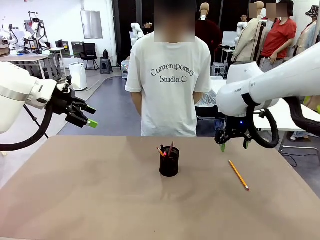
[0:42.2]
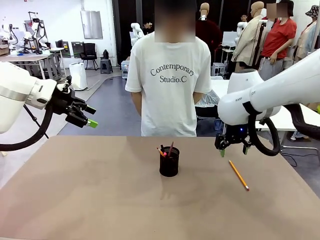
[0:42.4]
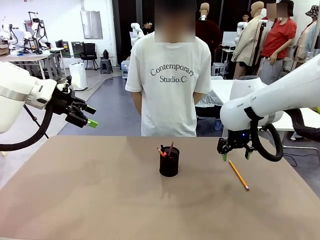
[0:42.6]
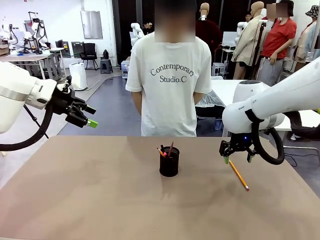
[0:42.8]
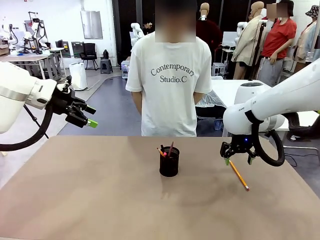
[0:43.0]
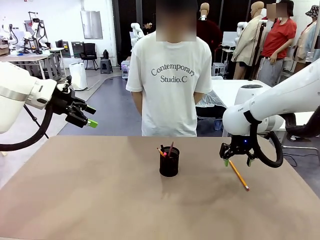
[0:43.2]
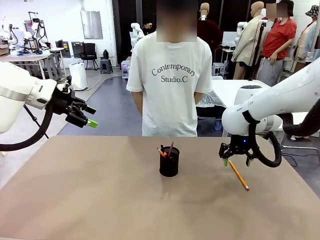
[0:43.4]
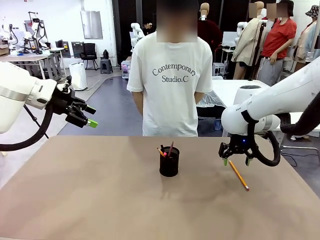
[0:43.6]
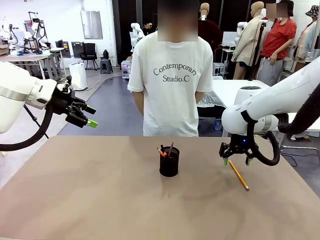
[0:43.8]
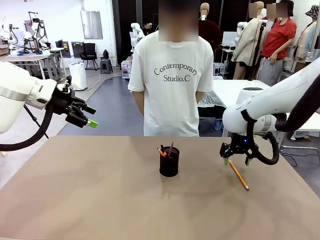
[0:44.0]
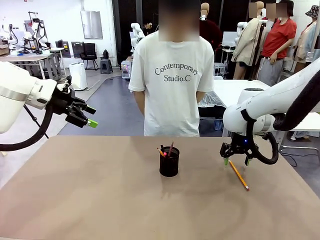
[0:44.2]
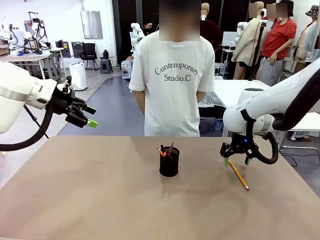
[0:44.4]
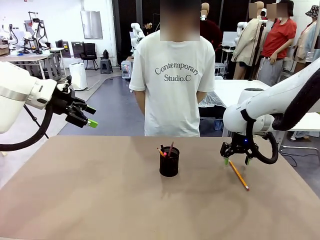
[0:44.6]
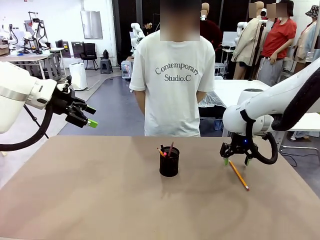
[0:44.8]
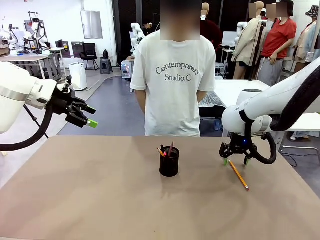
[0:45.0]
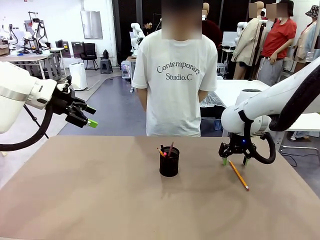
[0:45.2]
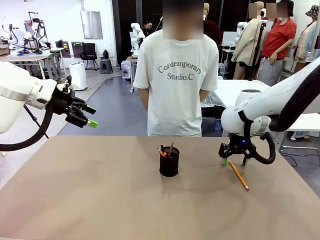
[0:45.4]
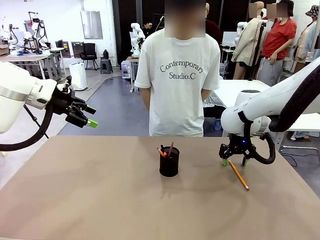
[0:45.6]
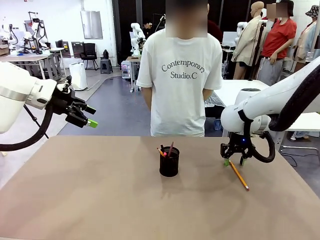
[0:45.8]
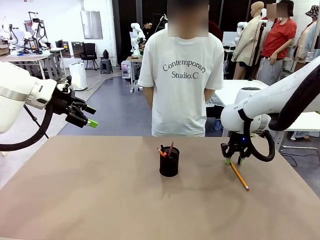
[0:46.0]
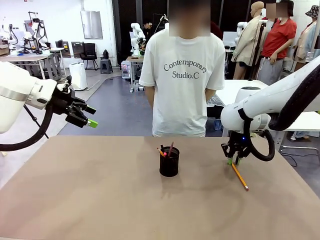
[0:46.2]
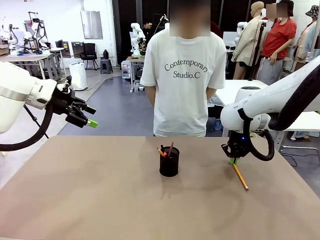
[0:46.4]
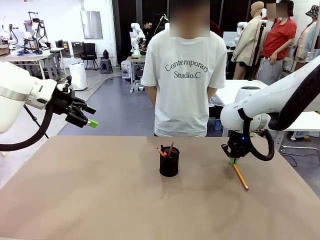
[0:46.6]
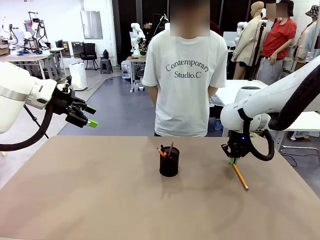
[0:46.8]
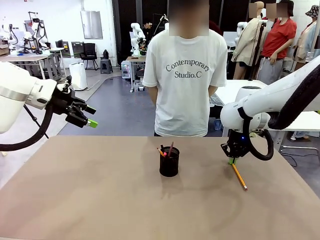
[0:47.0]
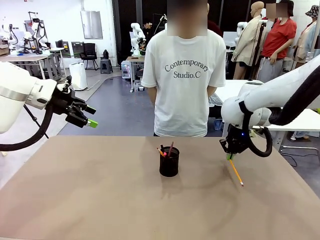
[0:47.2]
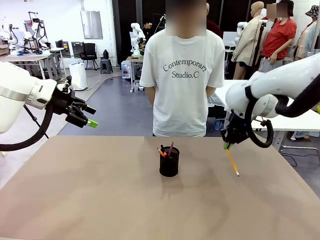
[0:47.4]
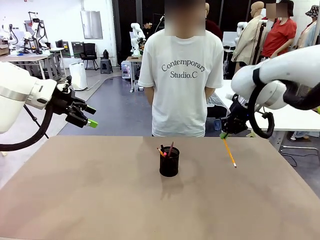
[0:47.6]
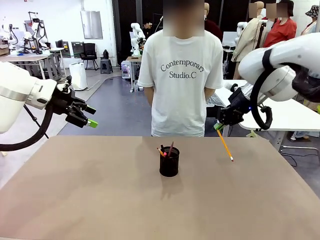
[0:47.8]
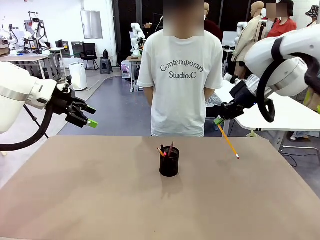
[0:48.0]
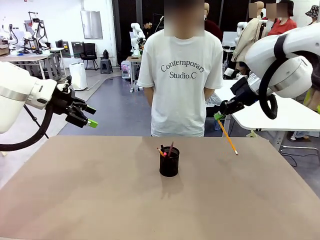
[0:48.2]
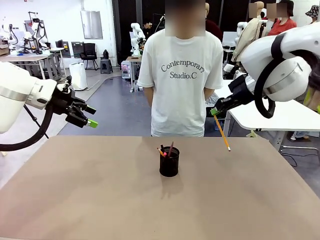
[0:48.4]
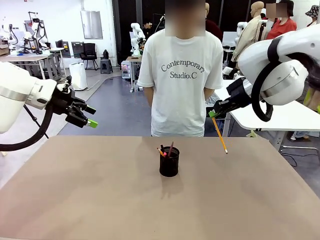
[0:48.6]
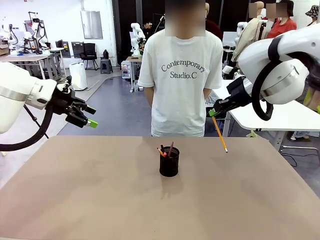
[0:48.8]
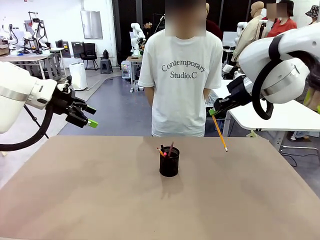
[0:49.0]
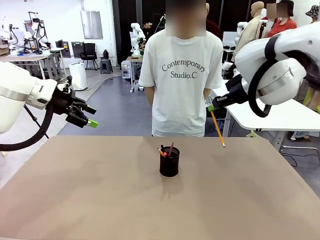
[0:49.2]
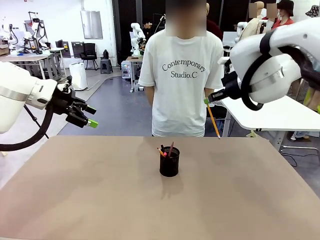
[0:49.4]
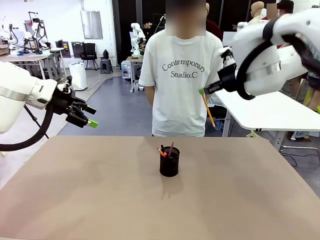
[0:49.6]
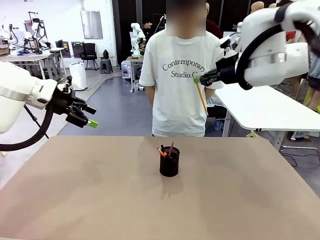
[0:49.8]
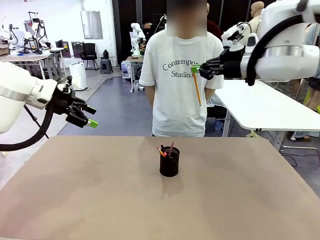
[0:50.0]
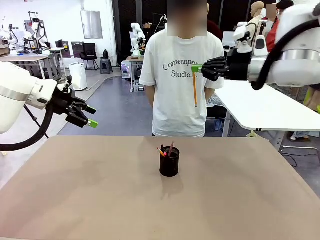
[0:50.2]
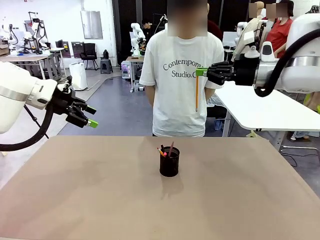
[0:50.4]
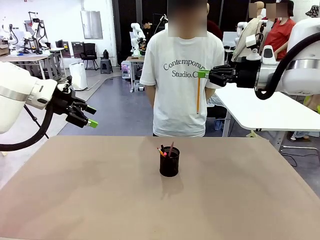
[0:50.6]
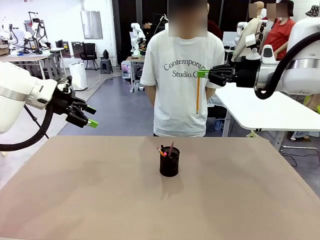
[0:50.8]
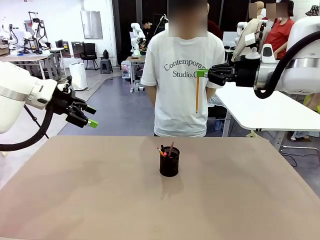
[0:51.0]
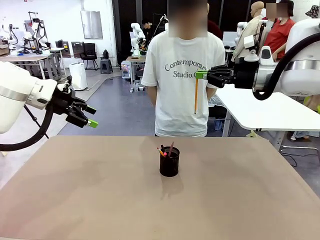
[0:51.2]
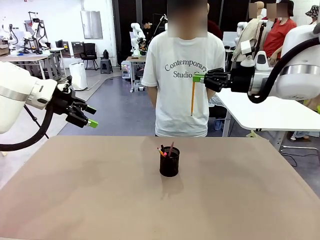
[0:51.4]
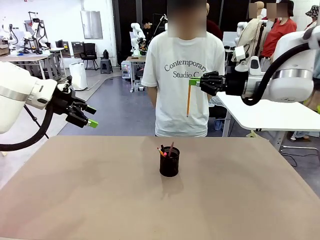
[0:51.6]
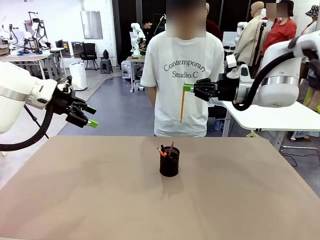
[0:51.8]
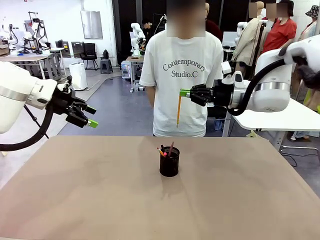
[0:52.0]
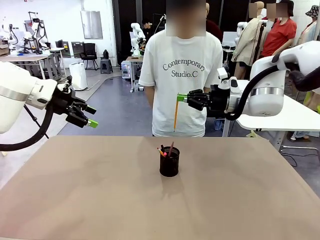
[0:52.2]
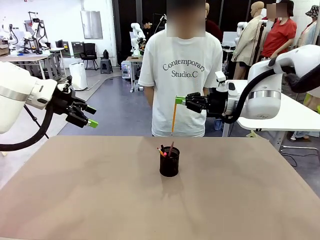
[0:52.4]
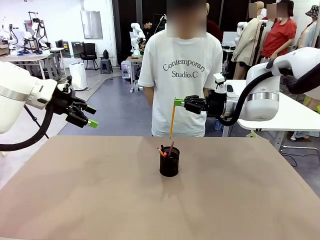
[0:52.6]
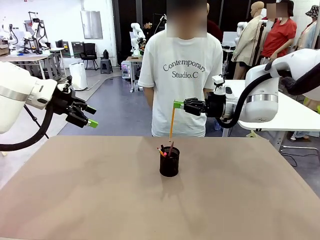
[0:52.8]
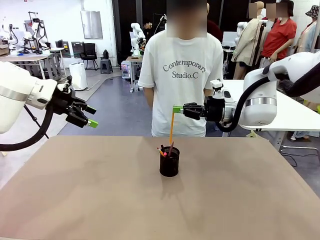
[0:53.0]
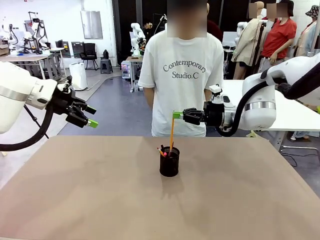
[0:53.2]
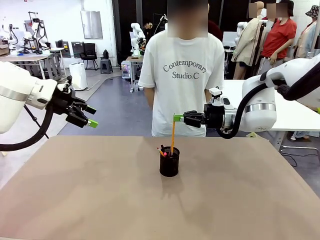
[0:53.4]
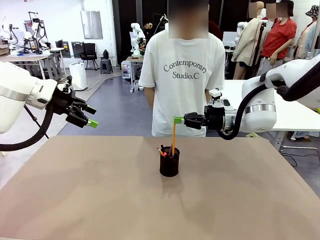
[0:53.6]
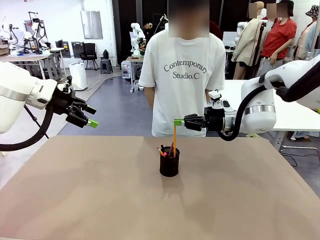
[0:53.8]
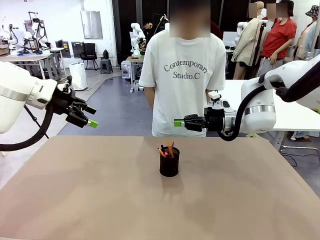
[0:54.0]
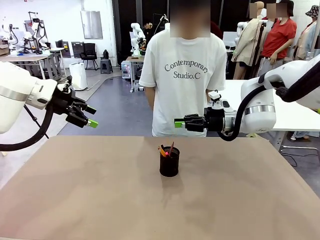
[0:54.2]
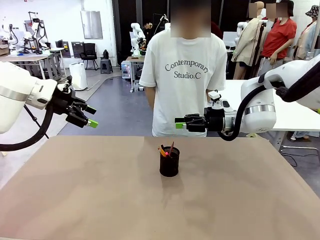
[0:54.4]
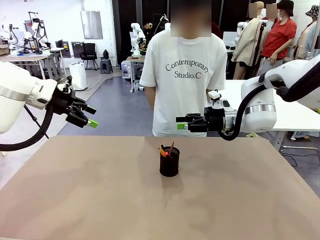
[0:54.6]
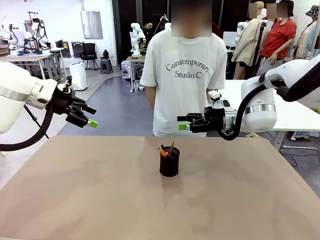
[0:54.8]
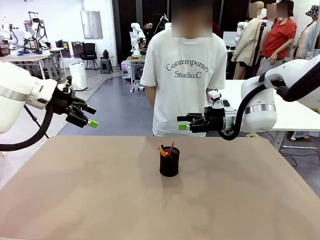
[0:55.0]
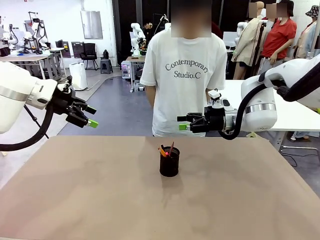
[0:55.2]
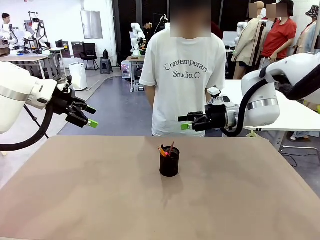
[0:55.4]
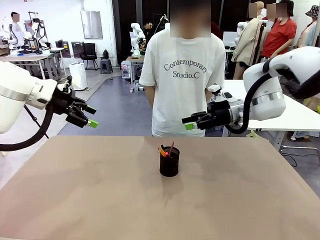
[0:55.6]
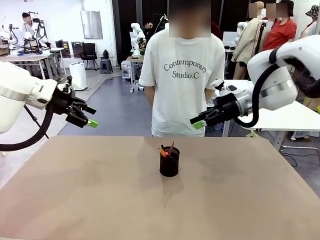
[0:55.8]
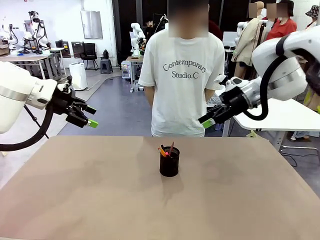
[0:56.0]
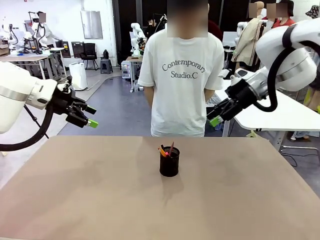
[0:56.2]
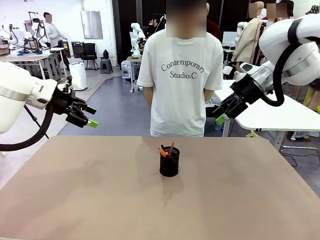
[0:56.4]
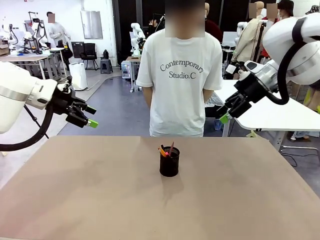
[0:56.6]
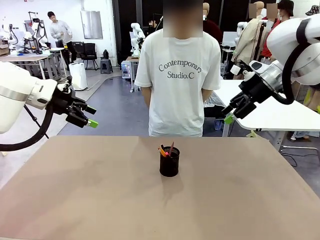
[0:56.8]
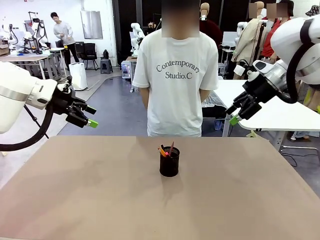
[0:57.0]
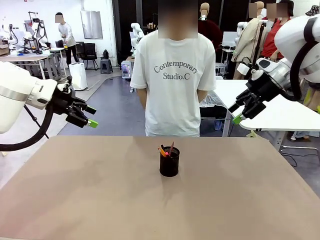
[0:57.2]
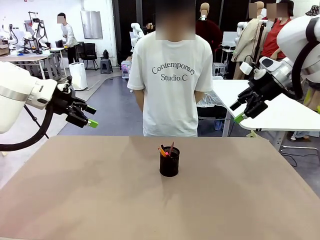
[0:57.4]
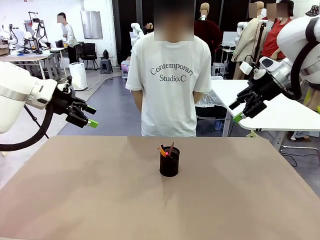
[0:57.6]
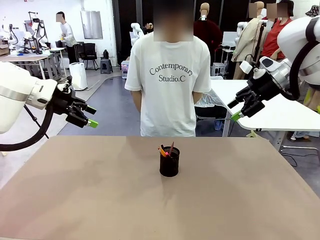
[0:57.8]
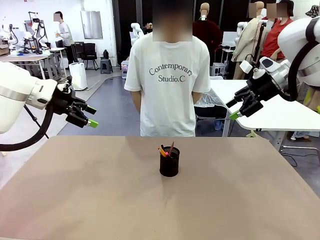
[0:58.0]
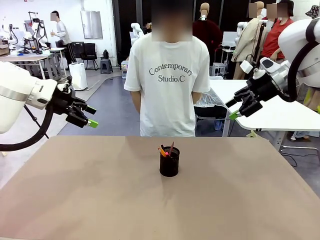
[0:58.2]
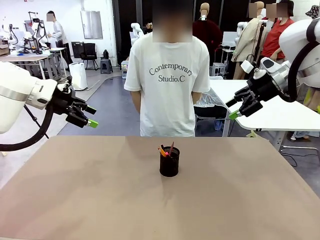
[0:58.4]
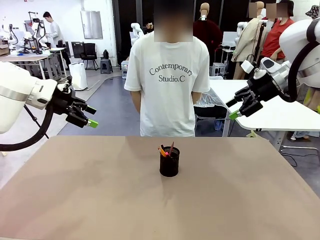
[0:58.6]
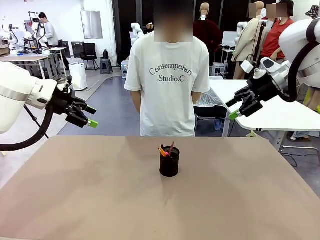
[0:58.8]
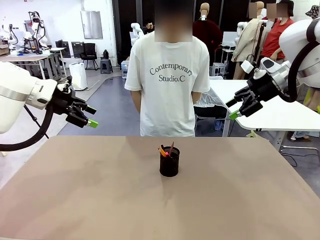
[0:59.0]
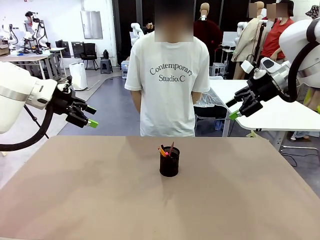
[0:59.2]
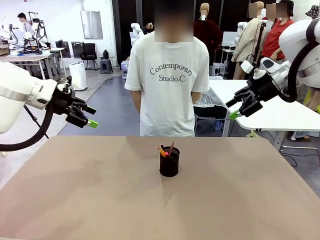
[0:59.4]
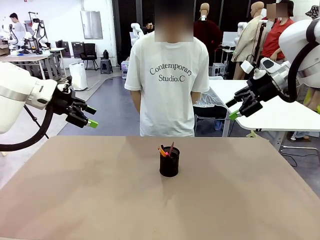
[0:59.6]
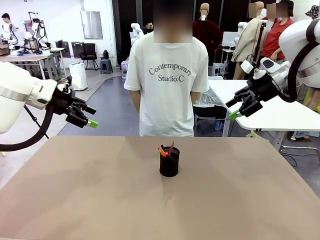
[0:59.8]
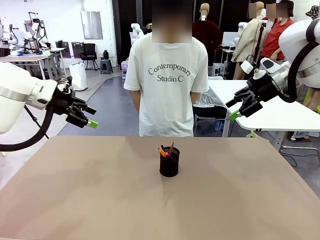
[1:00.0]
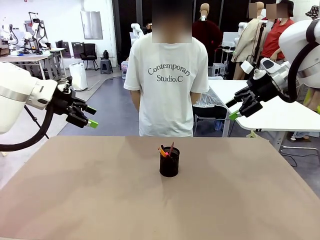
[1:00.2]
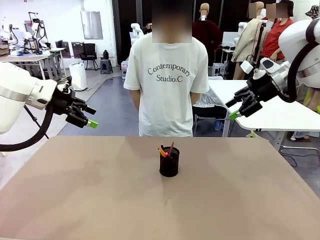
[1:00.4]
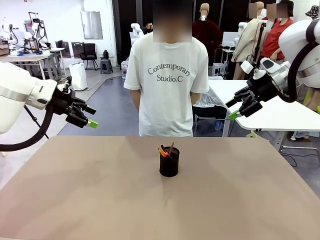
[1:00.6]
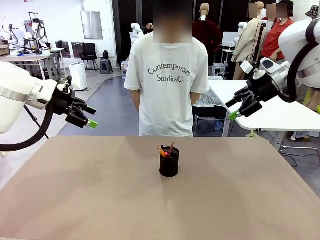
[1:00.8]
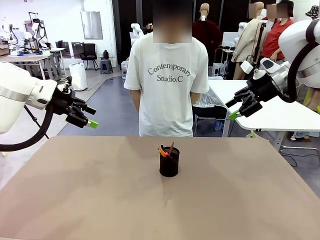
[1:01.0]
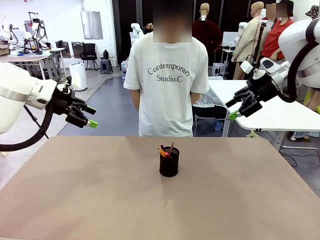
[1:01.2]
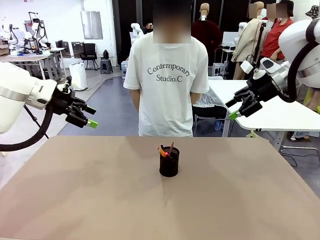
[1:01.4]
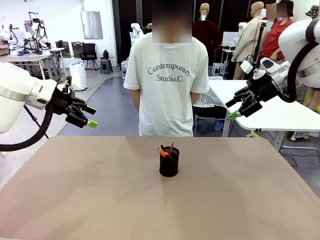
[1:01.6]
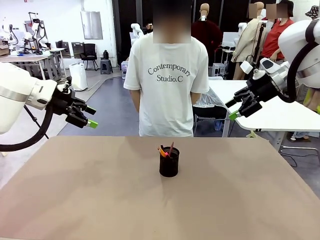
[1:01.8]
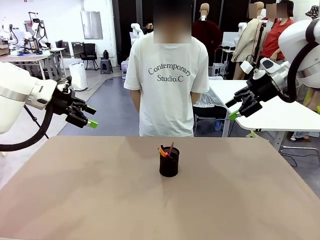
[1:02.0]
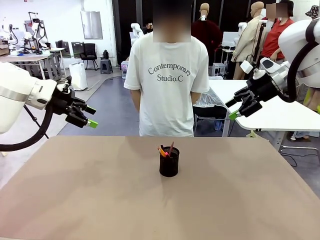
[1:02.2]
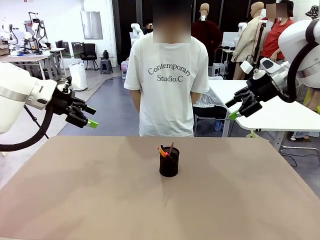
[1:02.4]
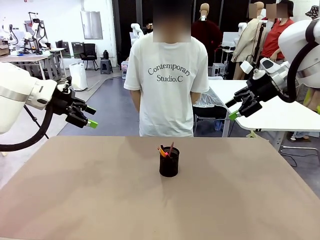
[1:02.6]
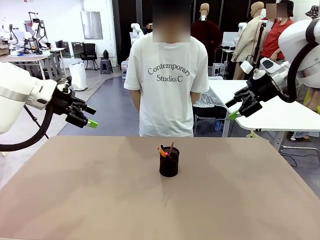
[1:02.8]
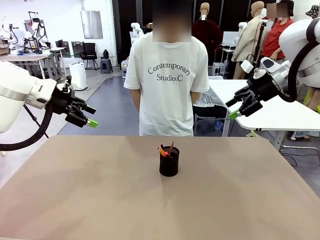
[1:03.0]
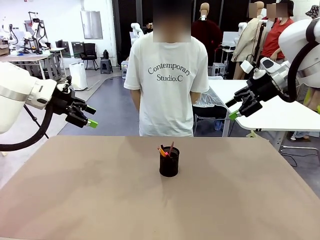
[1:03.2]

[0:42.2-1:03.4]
Task: Place the pens into the pen holder.
Robot: Pick up a writing instrument from the table and place it into the Pen holder.
